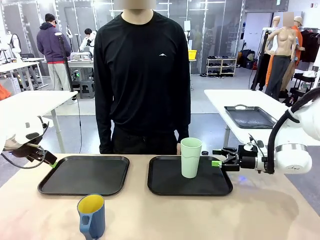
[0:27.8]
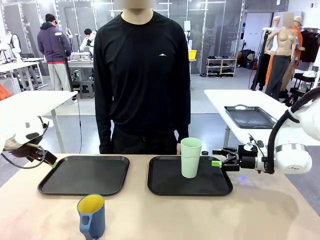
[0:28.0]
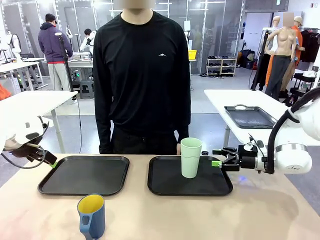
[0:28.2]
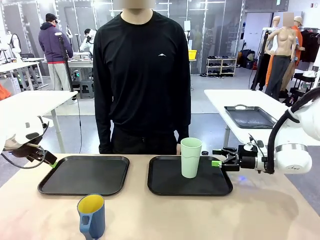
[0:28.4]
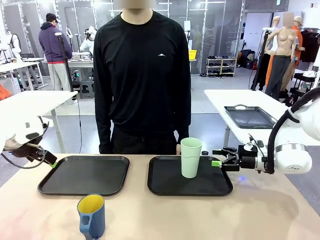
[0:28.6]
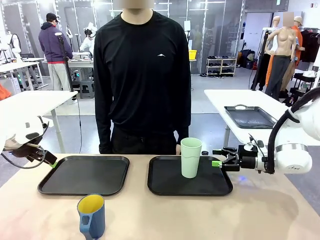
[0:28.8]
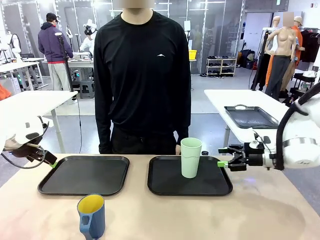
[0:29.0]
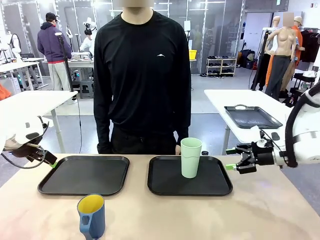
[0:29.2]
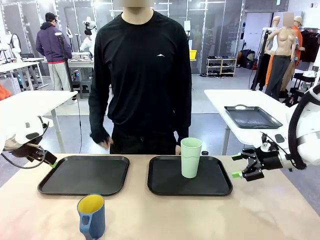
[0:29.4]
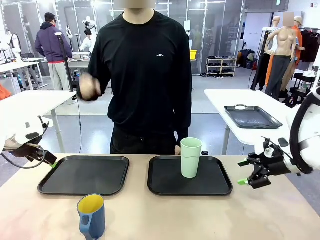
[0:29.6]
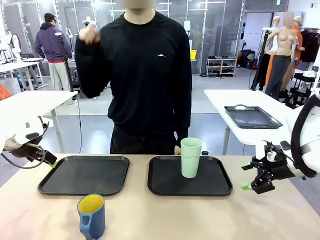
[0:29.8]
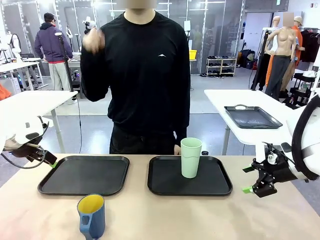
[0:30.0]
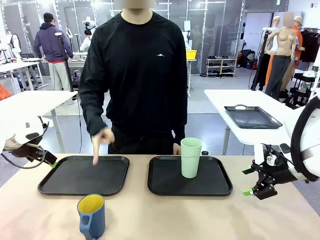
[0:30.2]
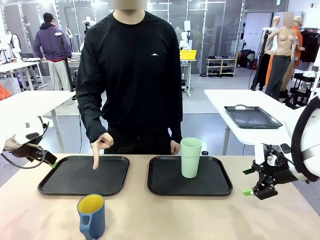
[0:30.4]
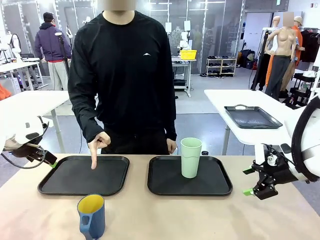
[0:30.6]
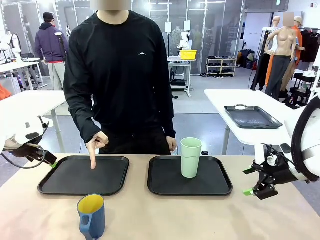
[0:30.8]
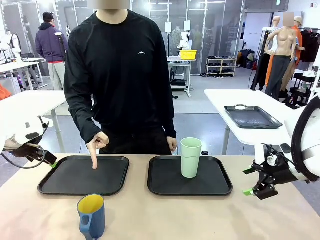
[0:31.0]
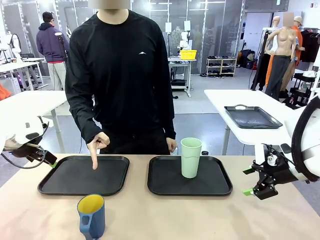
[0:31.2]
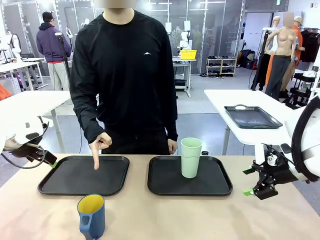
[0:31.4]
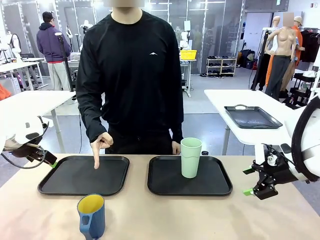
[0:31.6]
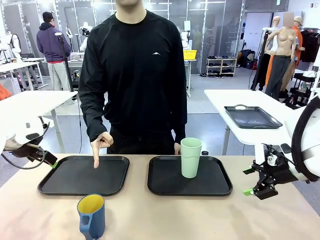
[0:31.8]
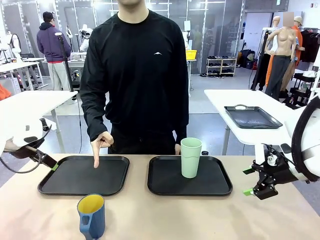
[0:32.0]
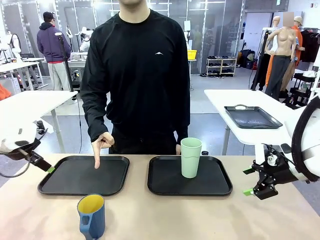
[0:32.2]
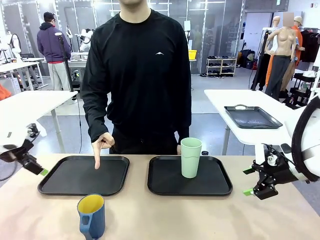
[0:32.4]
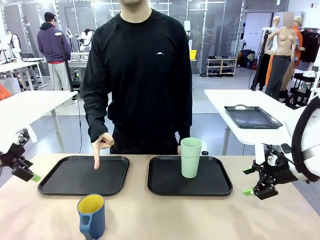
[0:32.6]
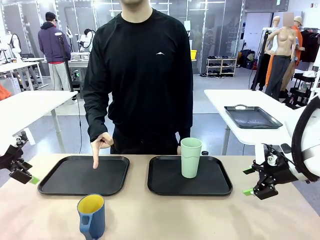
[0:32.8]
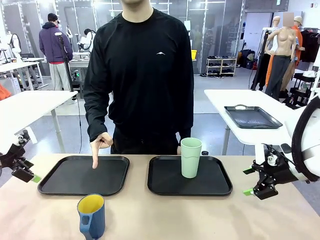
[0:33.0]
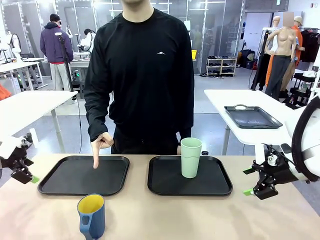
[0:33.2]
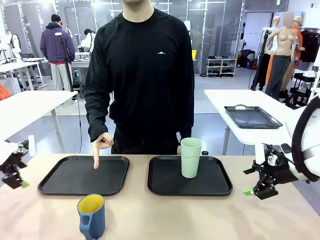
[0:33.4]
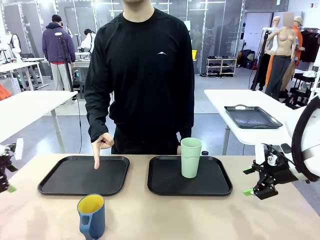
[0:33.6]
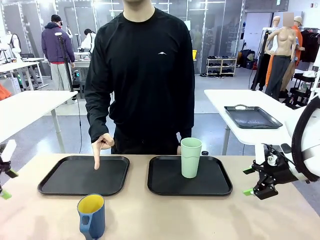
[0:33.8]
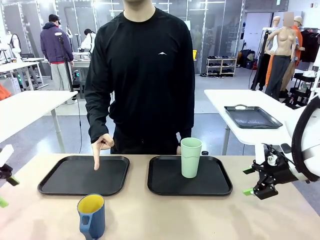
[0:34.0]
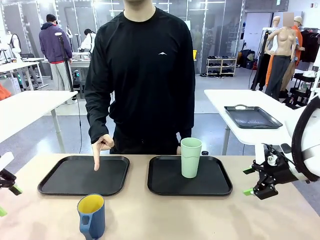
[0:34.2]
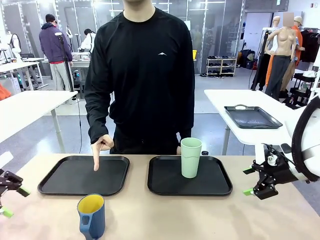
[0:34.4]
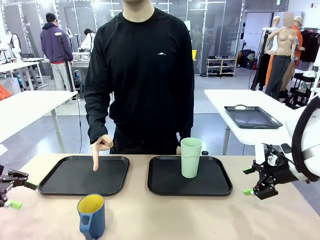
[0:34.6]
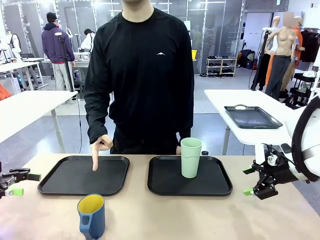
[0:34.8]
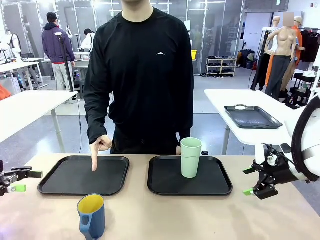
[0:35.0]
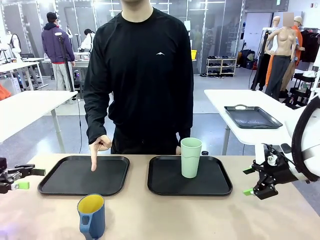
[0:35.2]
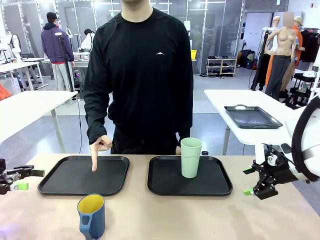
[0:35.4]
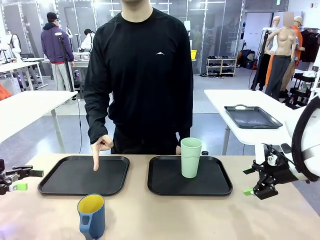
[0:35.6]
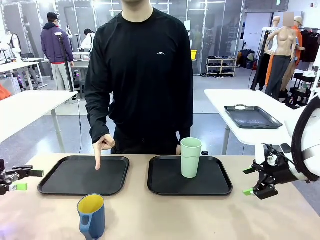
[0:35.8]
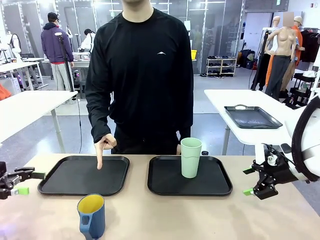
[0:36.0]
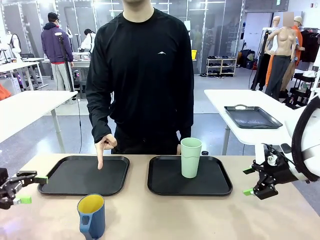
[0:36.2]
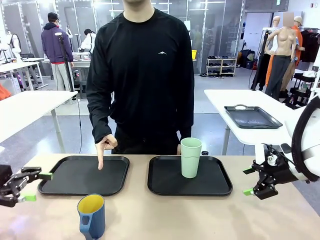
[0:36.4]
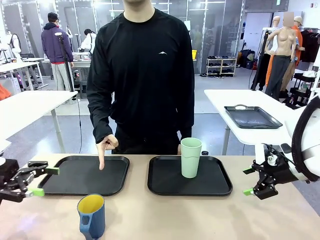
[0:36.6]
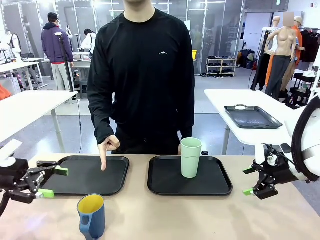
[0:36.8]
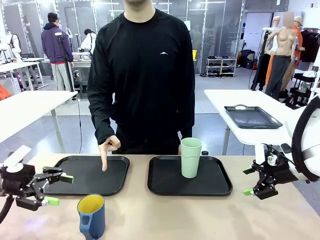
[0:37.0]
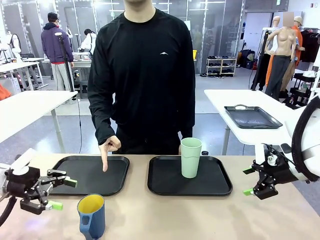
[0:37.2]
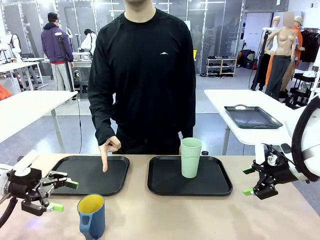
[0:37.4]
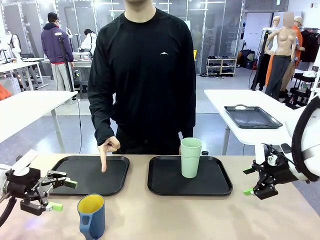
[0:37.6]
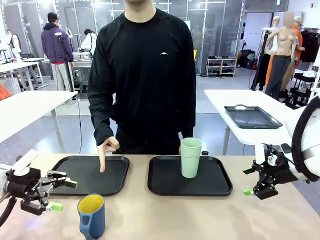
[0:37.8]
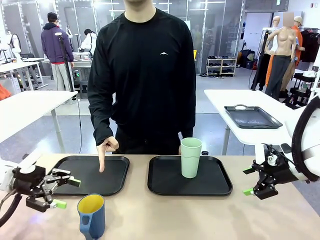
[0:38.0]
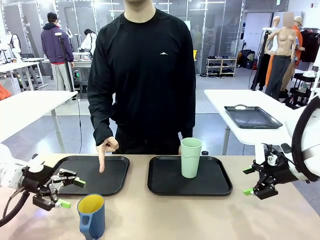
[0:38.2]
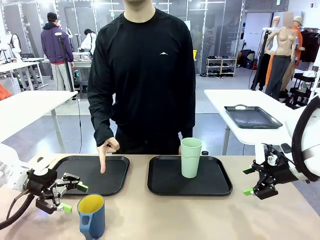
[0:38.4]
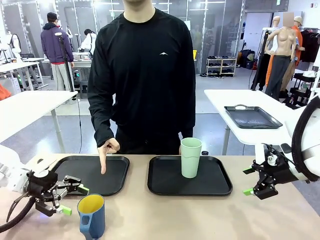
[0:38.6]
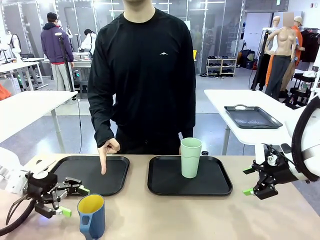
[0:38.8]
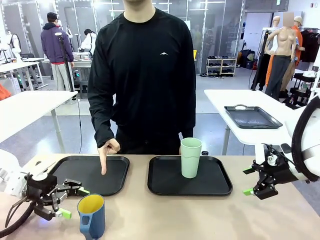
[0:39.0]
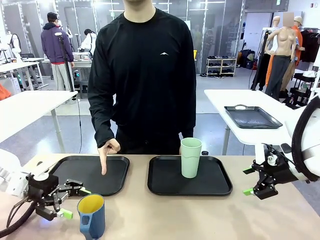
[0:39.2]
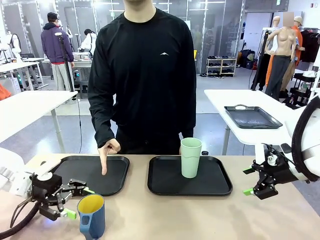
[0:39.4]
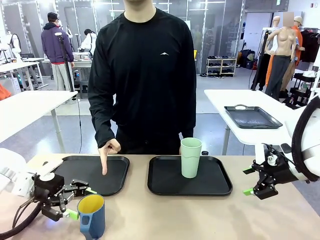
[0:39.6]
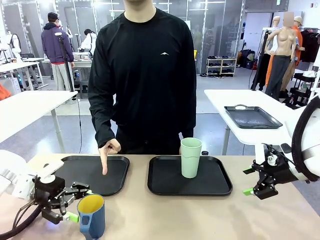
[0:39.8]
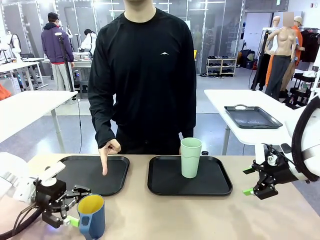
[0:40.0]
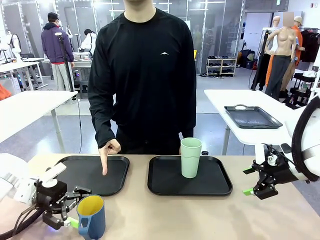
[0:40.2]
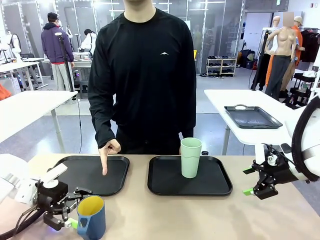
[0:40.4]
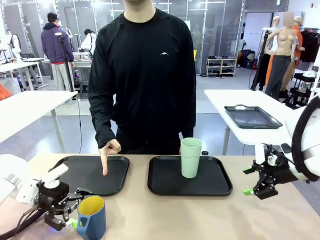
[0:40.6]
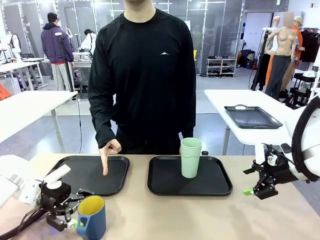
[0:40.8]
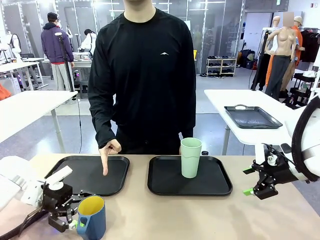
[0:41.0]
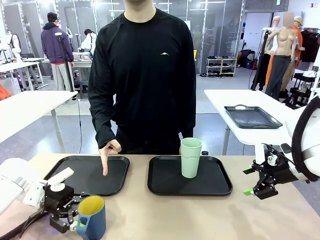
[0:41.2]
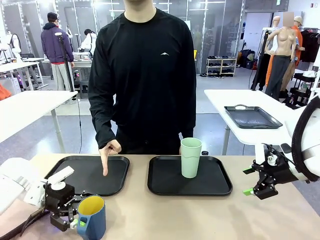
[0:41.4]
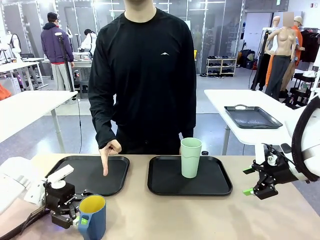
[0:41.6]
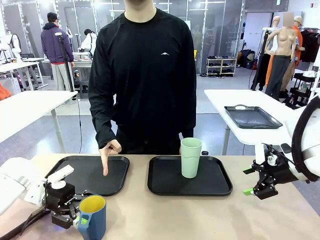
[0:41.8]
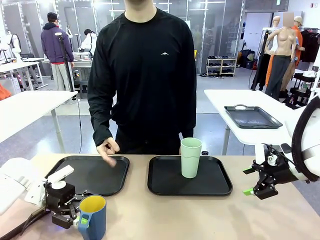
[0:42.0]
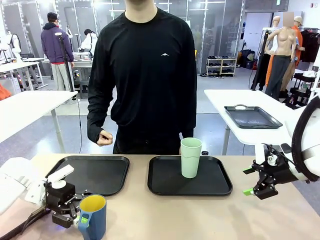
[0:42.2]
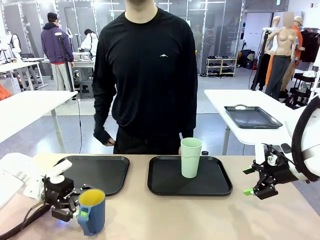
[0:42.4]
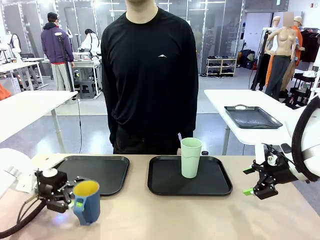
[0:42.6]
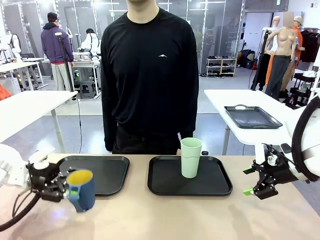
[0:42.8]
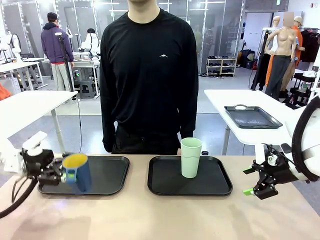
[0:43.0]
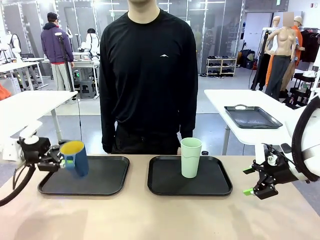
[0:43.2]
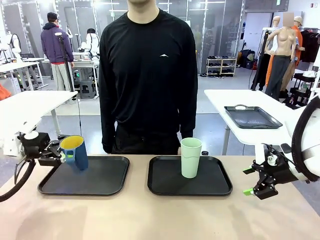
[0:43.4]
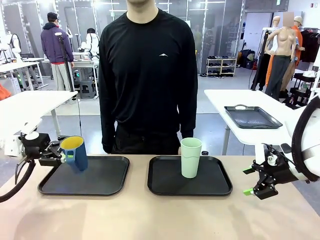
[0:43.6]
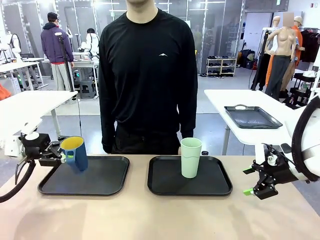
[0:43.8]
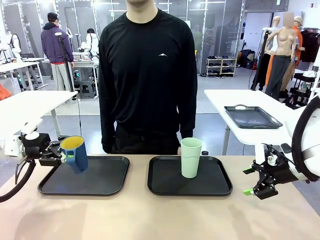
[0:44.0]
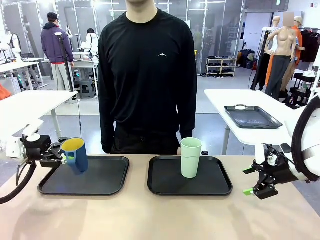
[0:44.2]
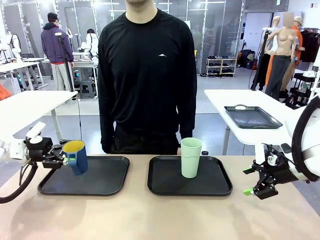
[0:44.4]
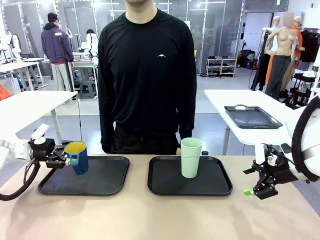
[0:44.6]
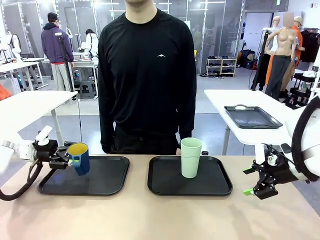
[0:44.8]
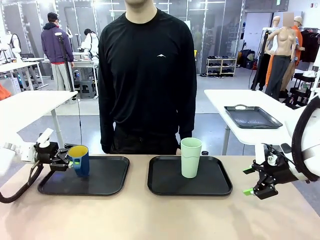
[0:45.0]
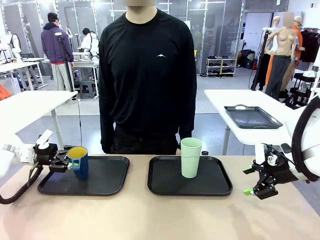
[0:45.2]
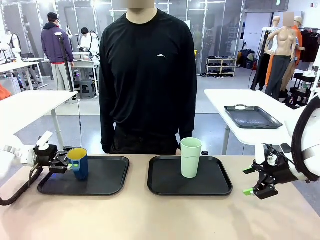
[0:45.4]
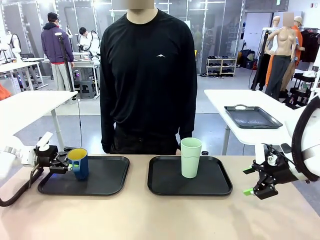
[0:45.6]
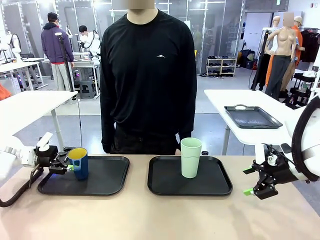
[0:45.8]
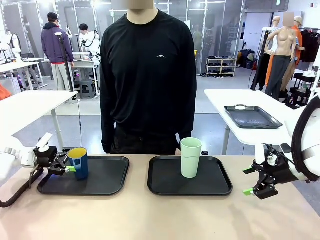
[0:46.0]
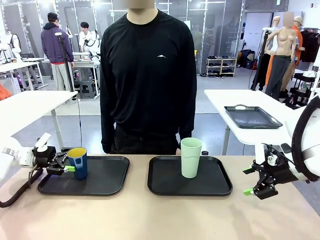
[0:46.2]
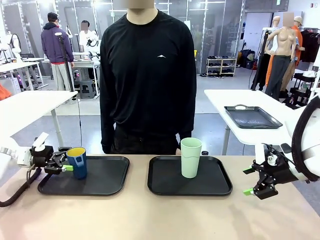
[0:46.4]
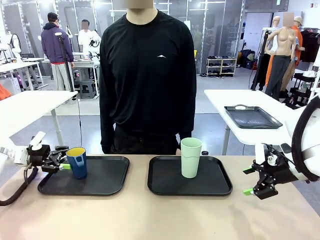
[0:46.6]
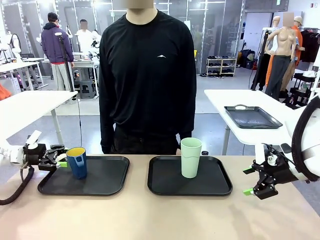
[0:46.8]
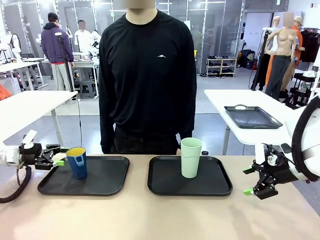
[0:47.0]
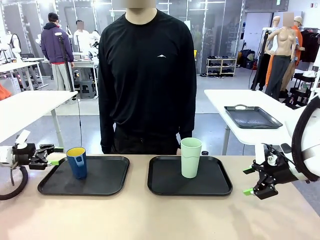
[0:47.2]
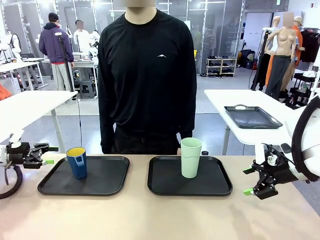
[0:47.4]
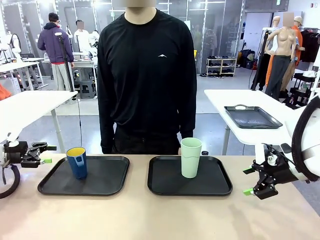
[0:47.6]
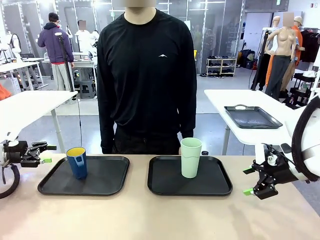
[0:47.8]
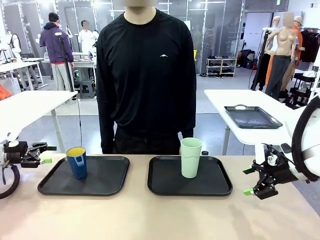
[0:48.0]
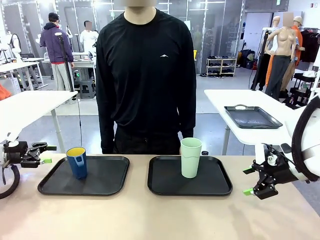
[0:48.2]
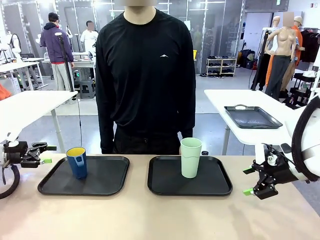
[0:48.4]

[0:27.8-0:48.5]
Task: Sort and store the cups by type.
Robot: Pick up the Handle plastic cup and place it into the empty Flat Tray.
Person: Points to the cup with a handle.
